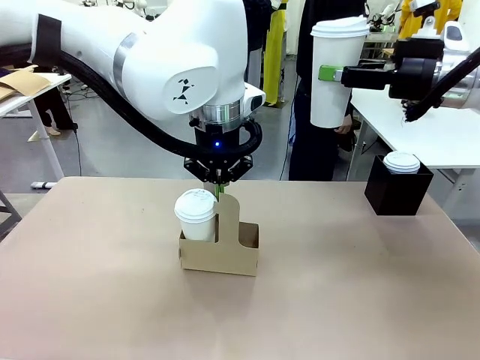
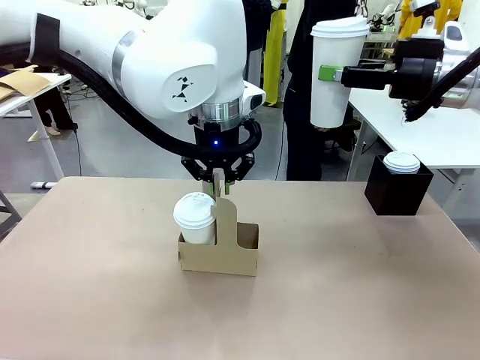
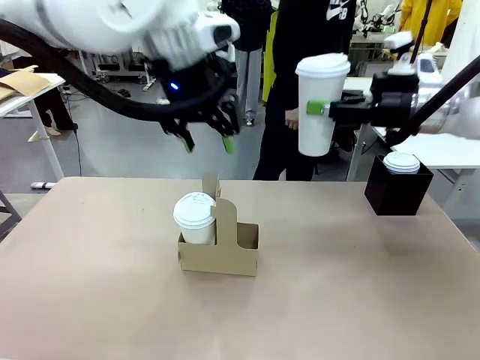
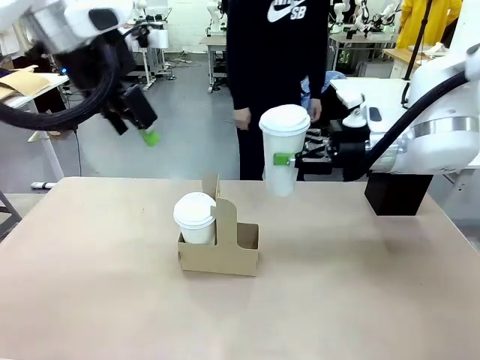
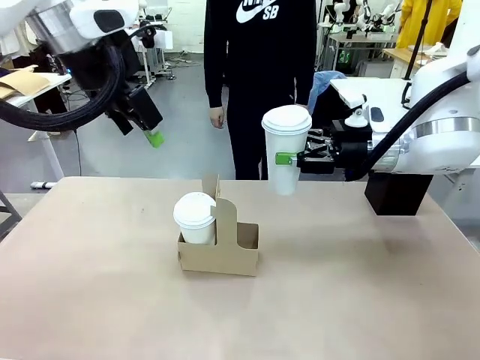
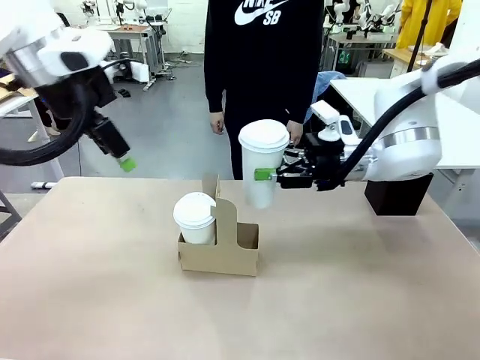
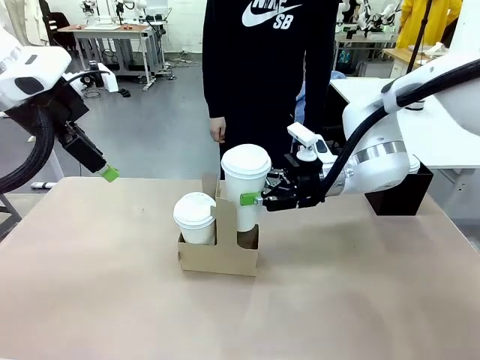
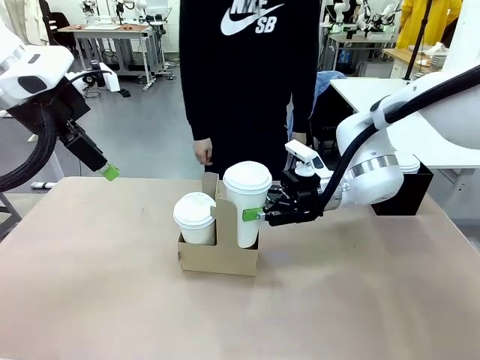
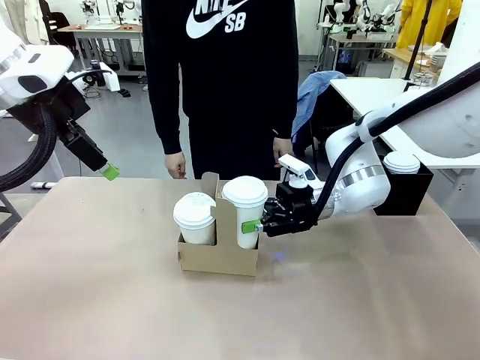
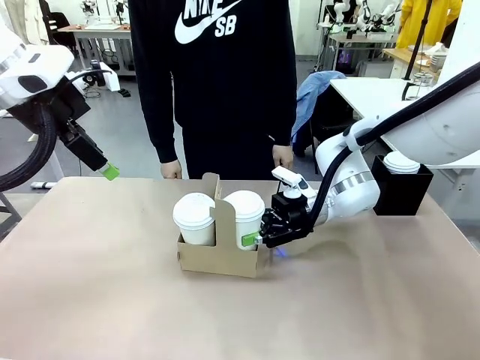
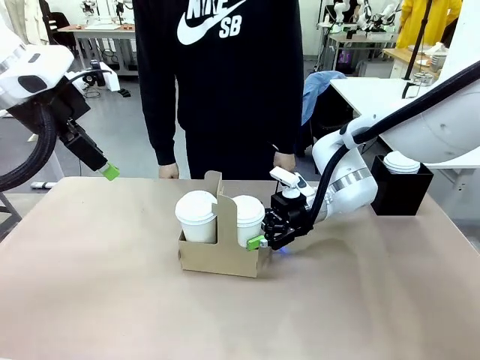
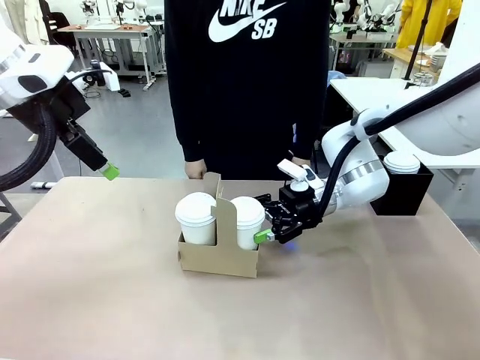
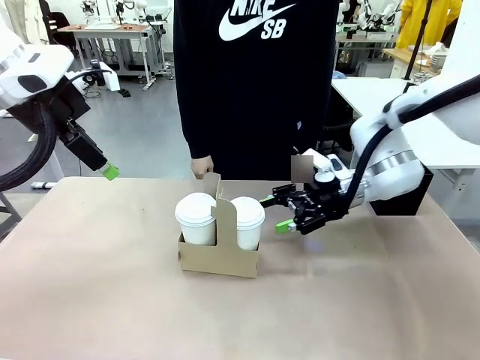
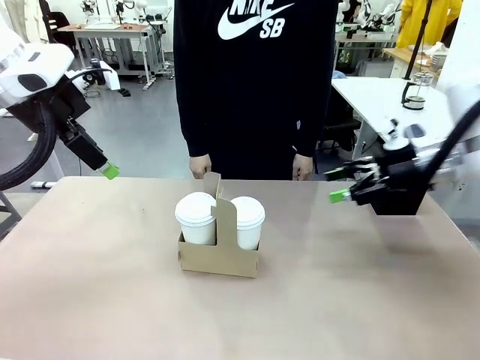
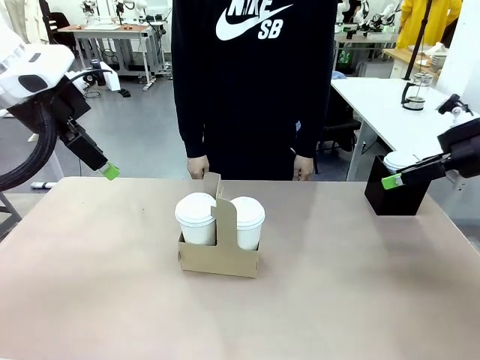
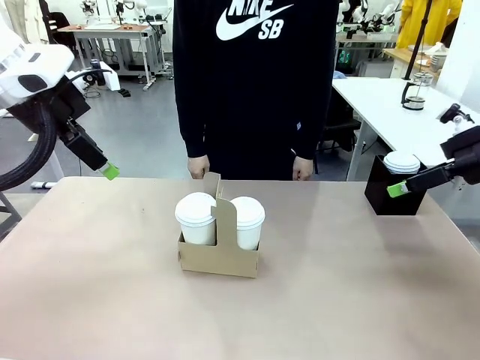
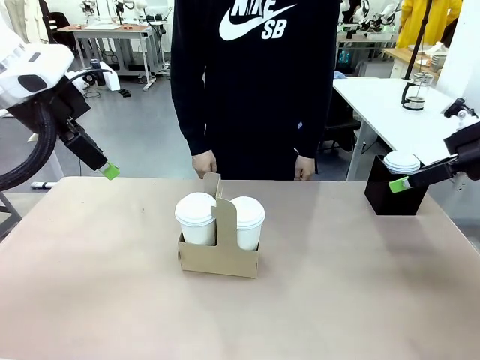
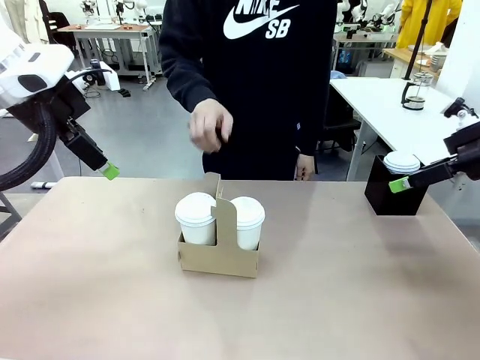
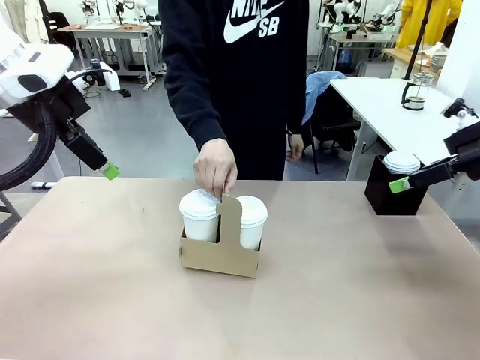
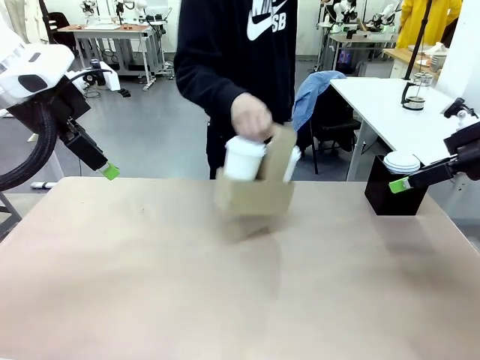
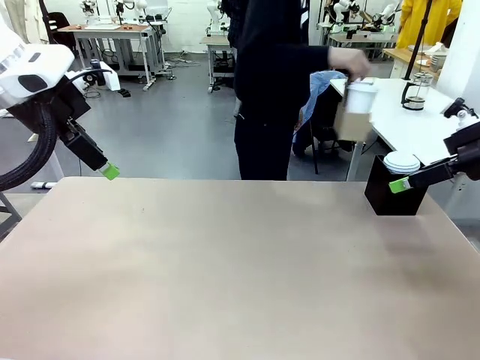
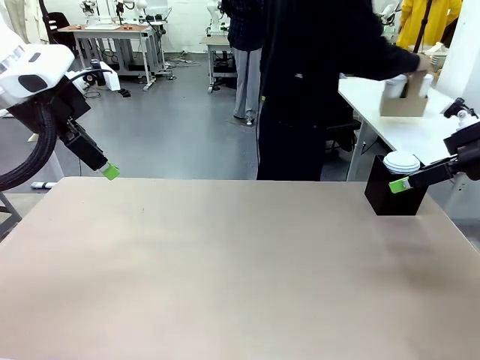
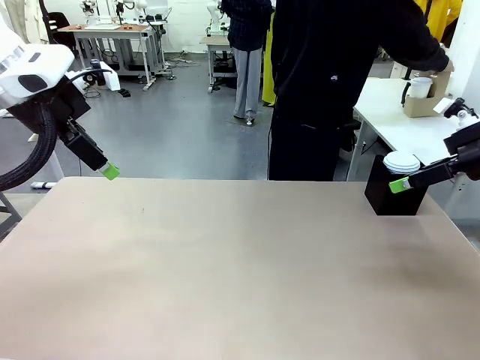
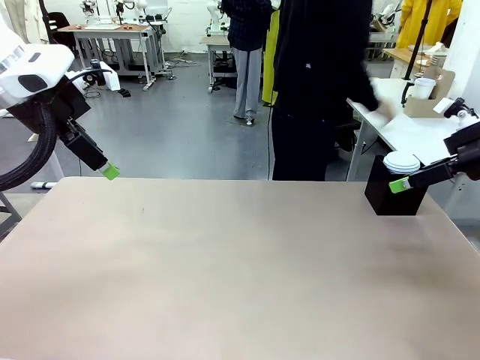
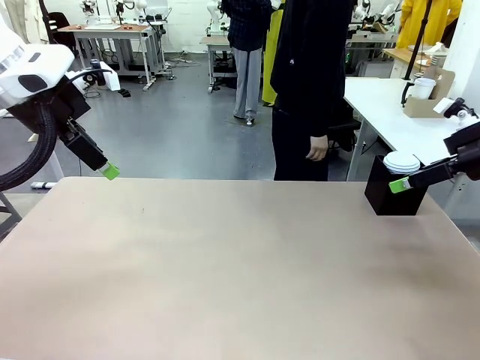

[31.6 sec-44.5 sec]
Task: Pour a drink into a cup and package it in a carrier.
Robot: Insert the held 600 ml Paper Cup into the Cup Carrier.
Person: Place the Cup Carrier to the middle of Human table.

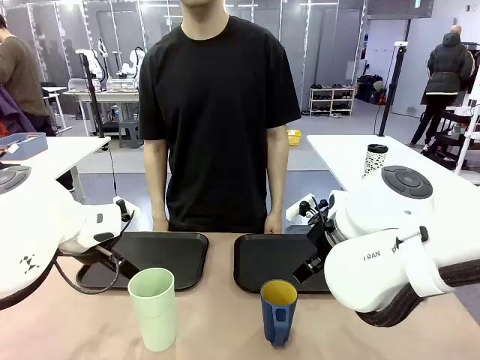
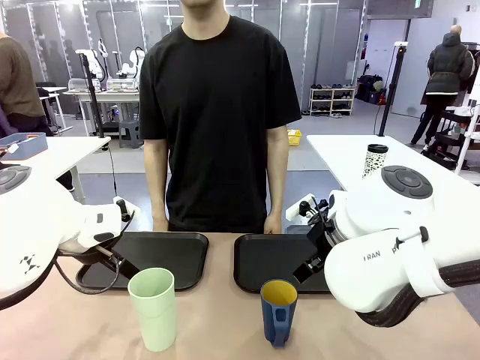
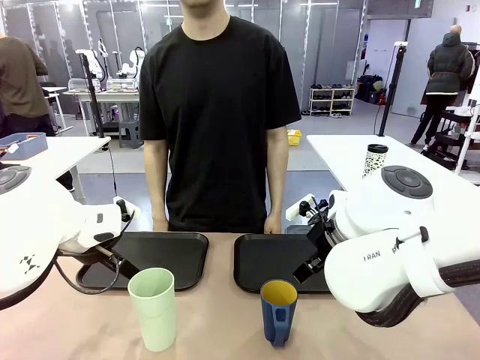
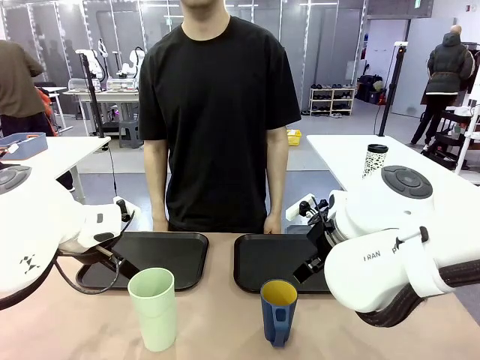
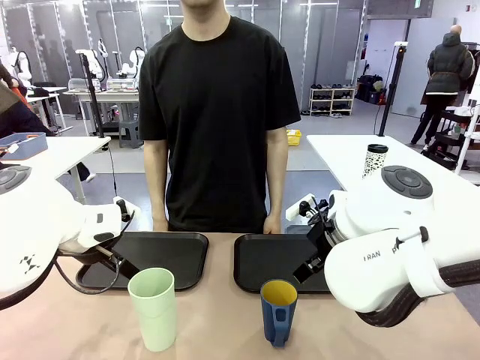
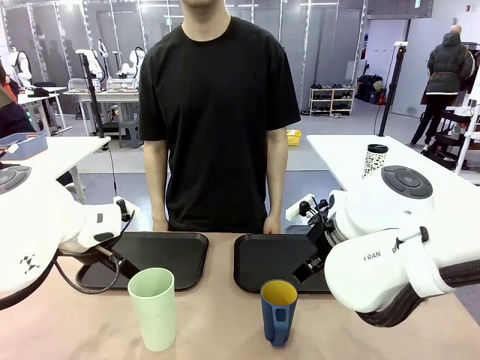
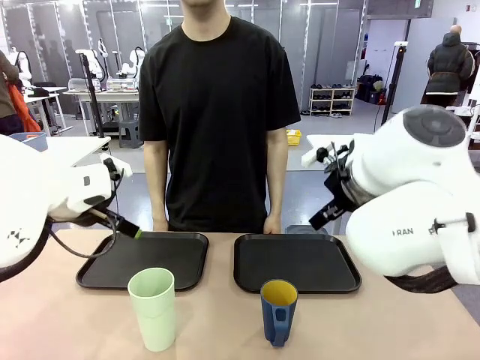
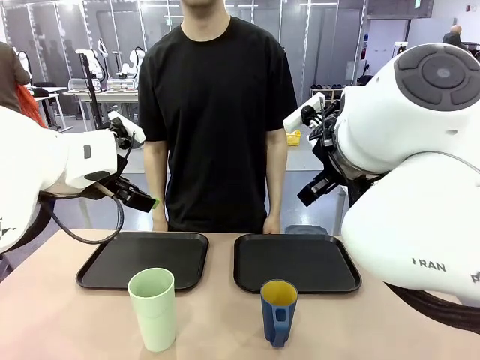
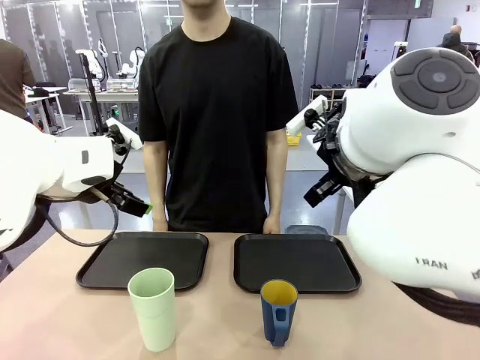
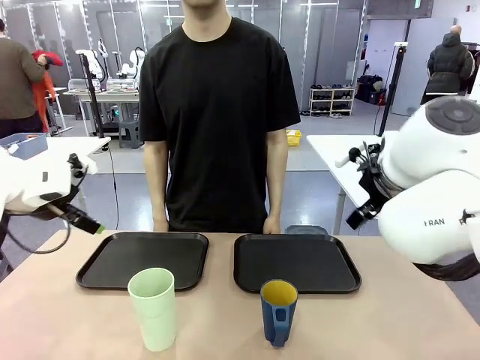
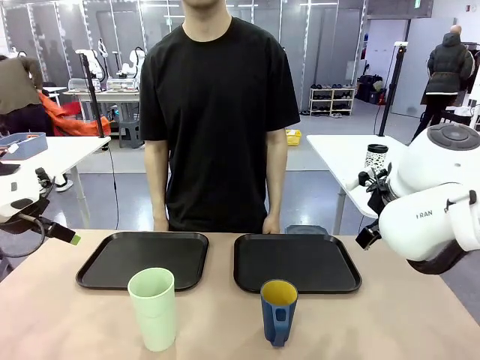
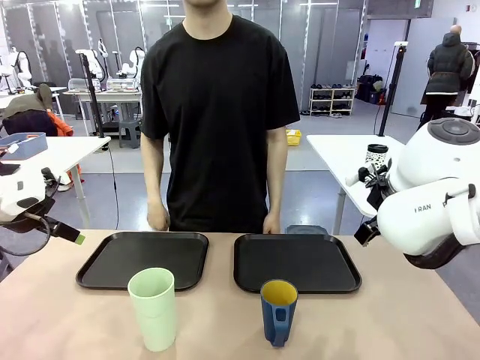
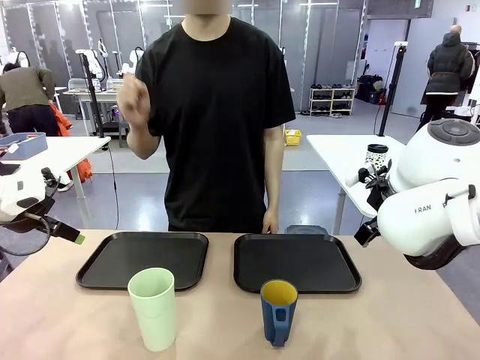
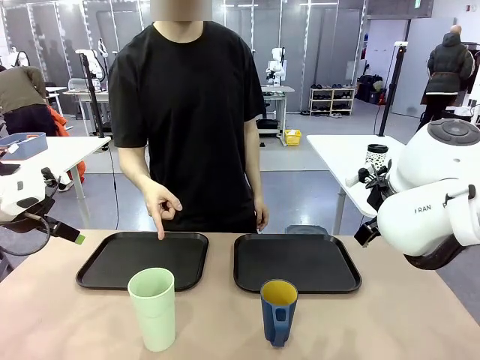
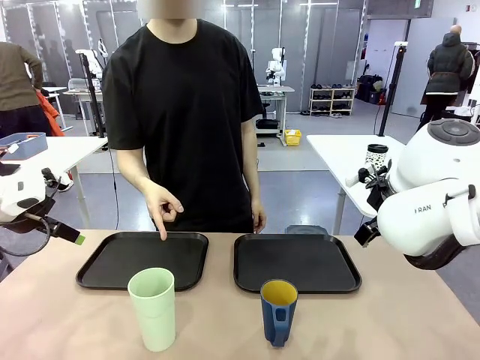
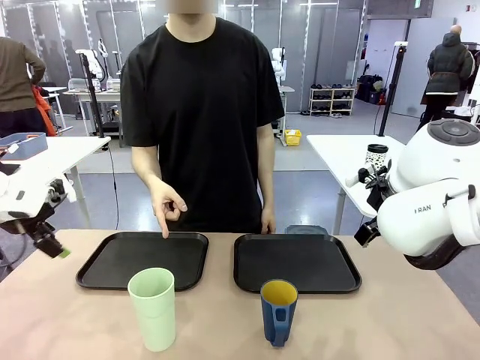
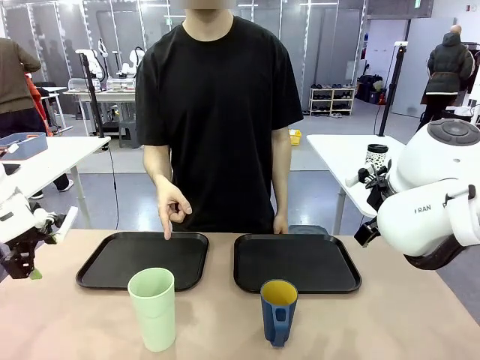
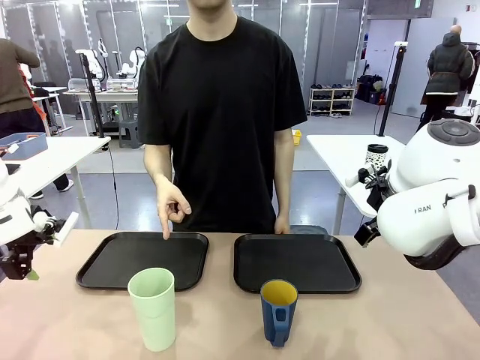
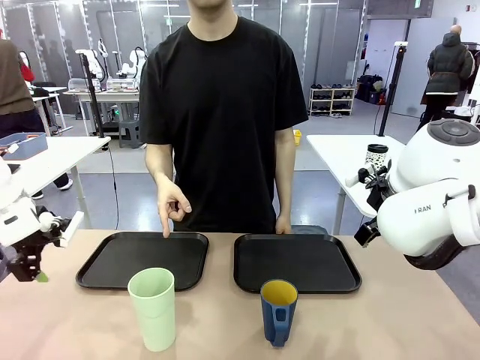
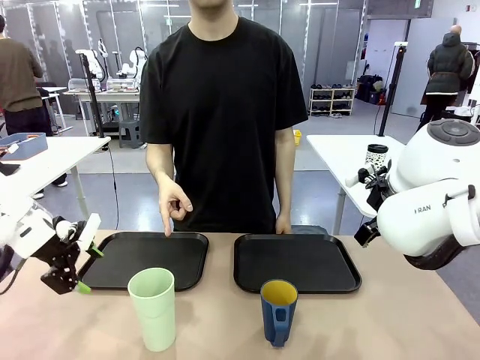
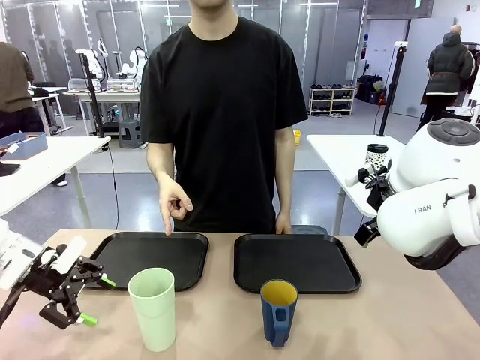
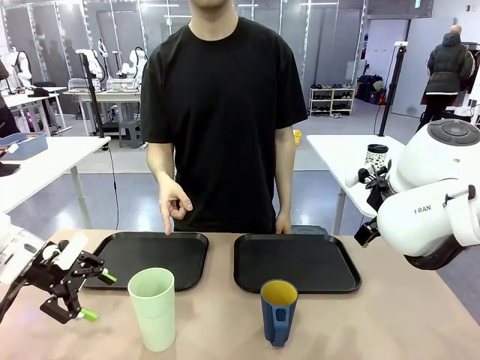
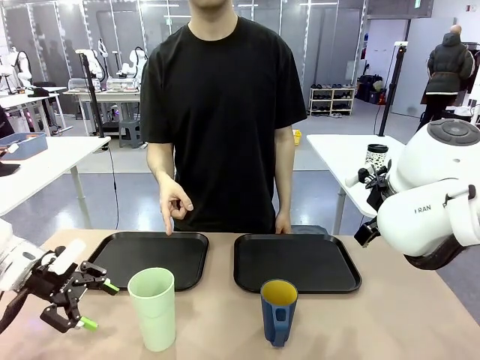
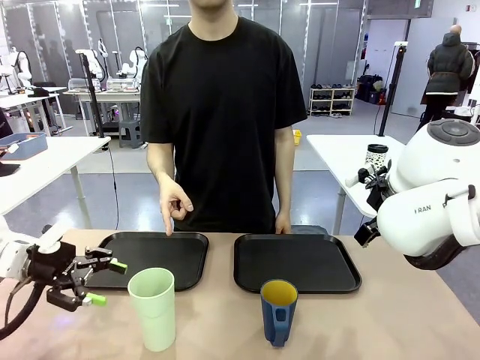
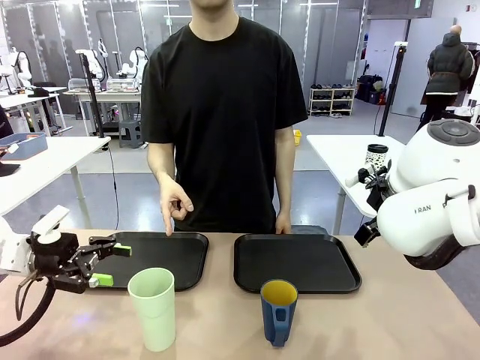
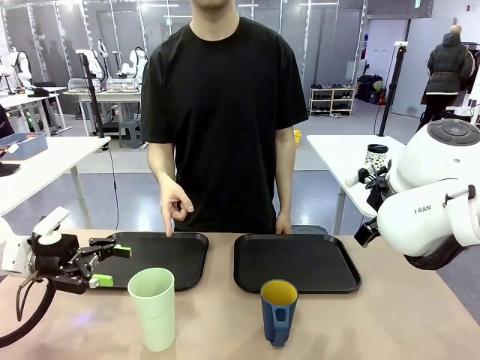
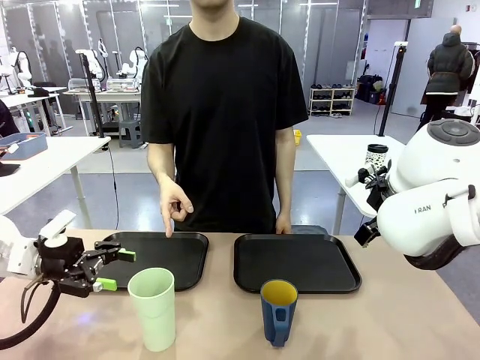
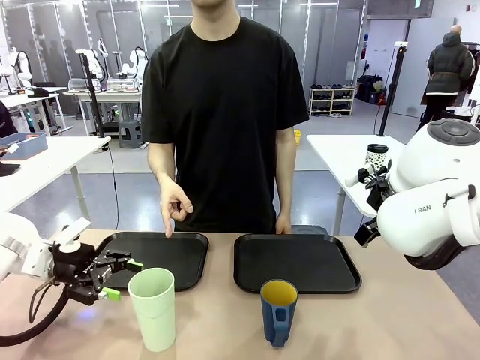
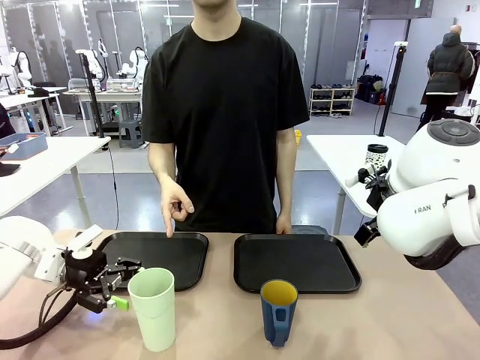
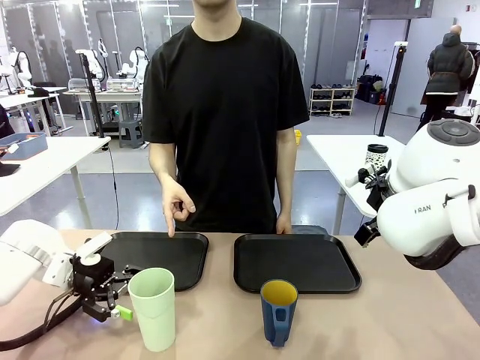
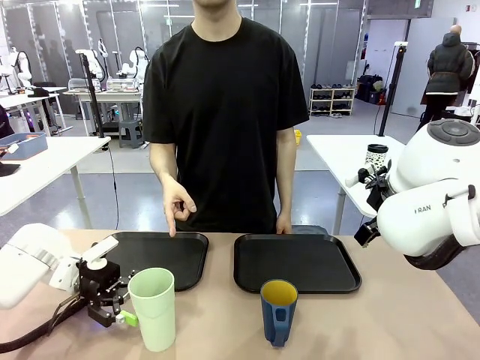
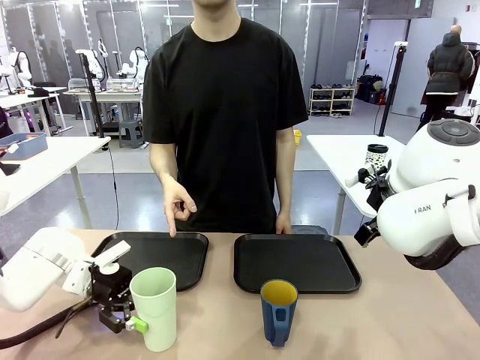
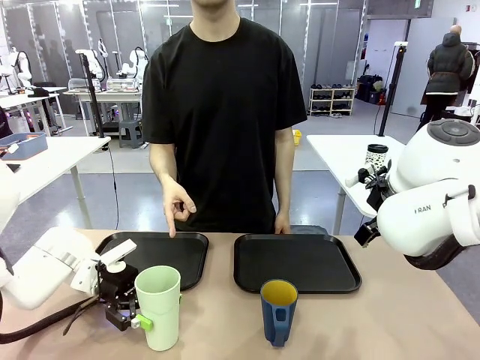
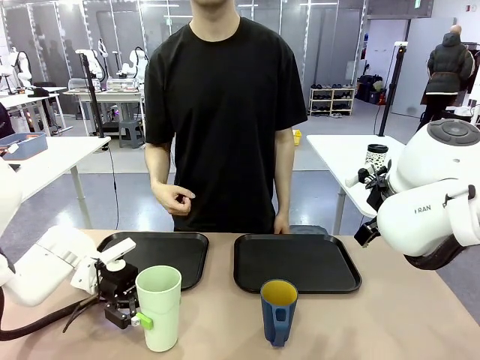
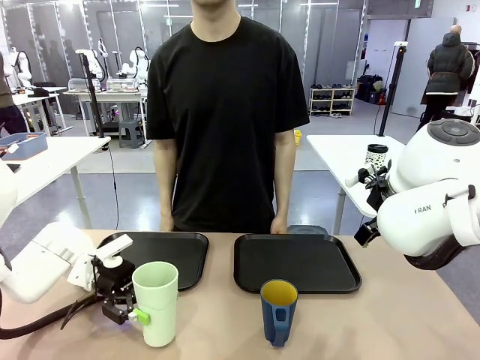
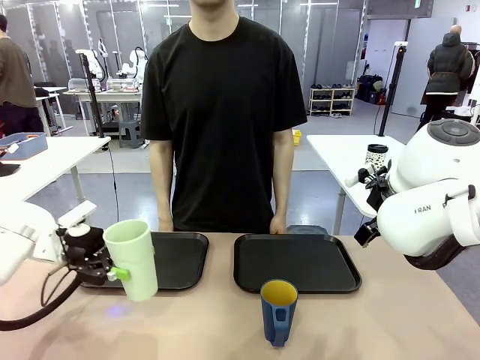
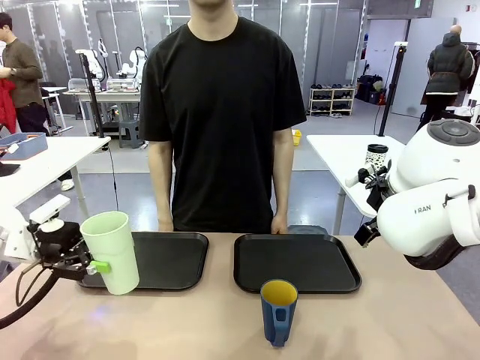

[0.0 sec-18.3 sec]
Task: Sort and store the cups by type.
Robot: Pick up the Reusable plastic cup.
Person: Points to the reusable cup. Point to one of the two trays.
